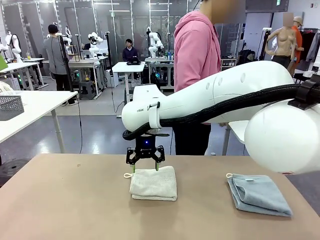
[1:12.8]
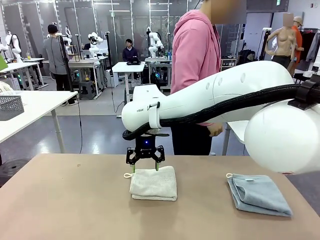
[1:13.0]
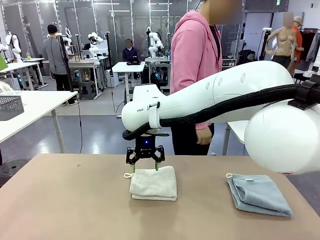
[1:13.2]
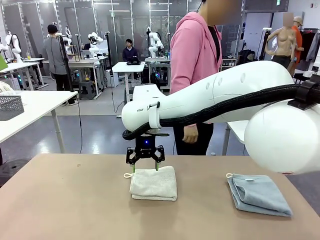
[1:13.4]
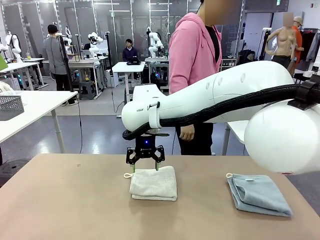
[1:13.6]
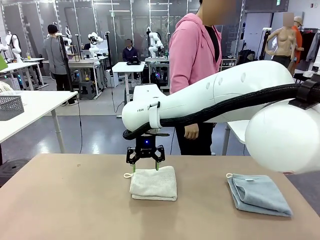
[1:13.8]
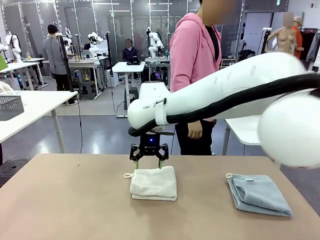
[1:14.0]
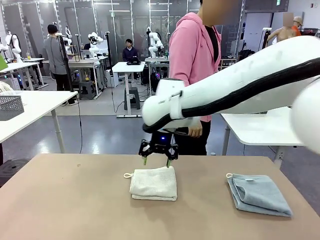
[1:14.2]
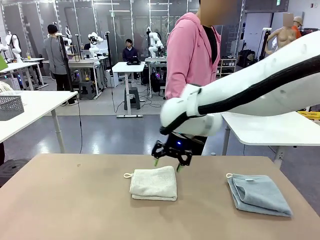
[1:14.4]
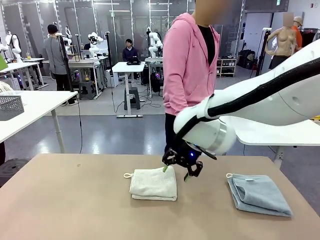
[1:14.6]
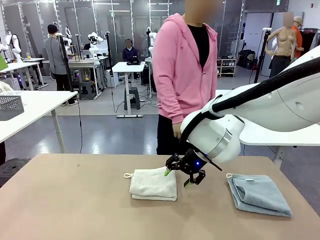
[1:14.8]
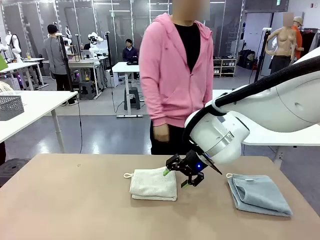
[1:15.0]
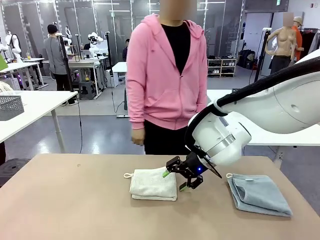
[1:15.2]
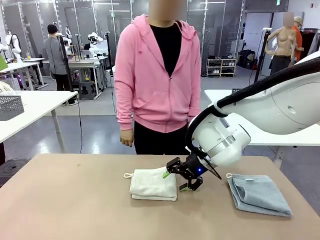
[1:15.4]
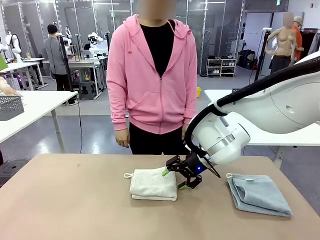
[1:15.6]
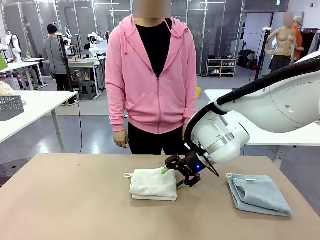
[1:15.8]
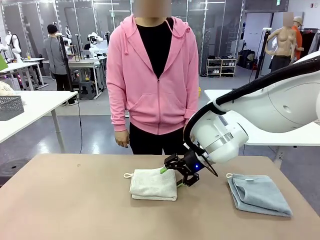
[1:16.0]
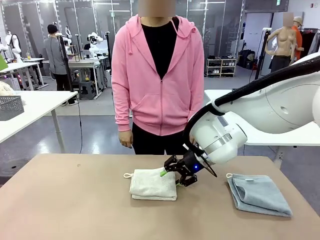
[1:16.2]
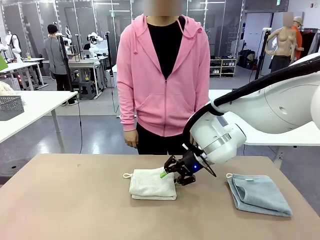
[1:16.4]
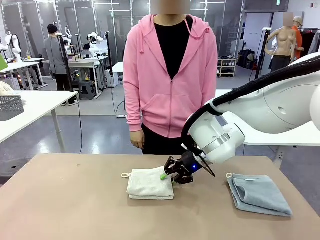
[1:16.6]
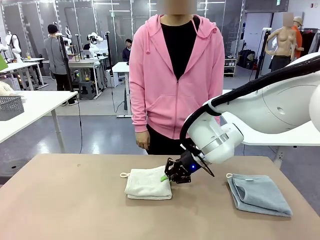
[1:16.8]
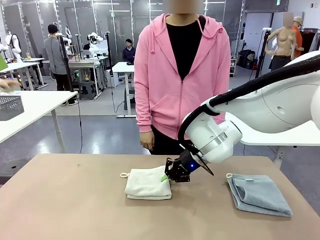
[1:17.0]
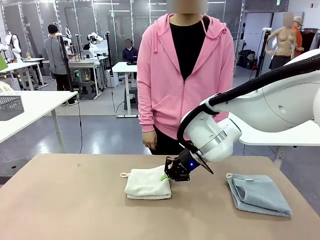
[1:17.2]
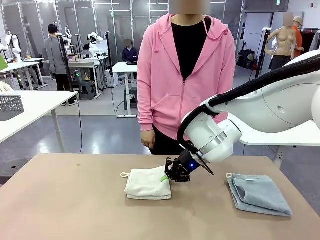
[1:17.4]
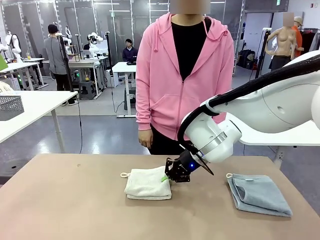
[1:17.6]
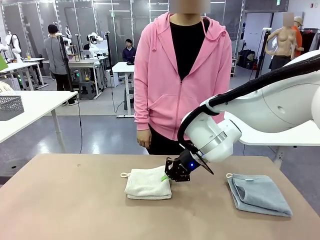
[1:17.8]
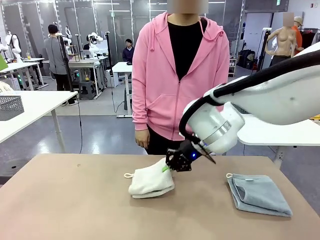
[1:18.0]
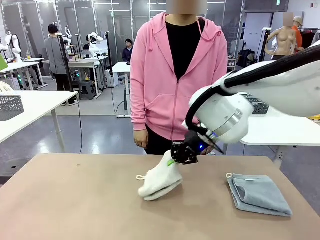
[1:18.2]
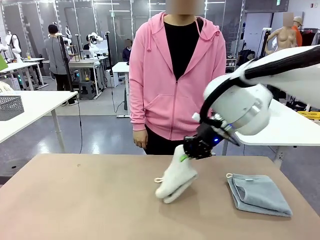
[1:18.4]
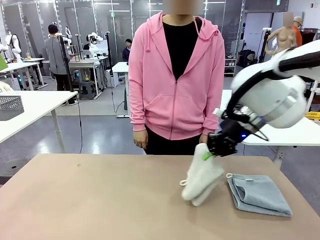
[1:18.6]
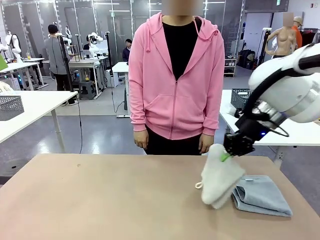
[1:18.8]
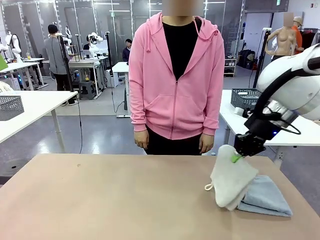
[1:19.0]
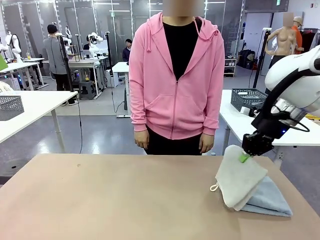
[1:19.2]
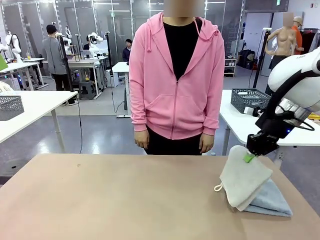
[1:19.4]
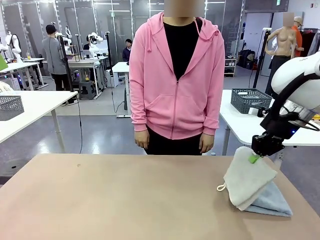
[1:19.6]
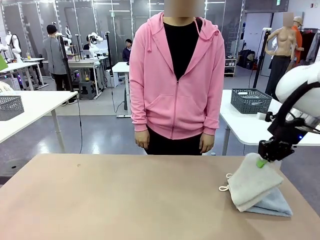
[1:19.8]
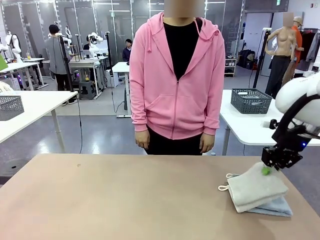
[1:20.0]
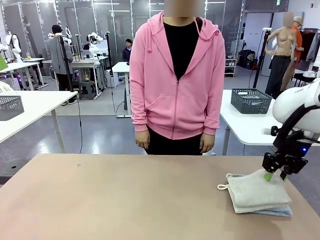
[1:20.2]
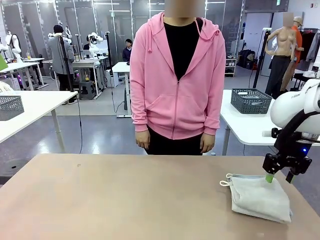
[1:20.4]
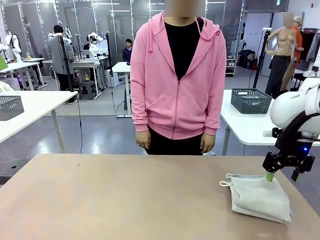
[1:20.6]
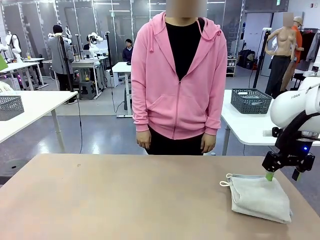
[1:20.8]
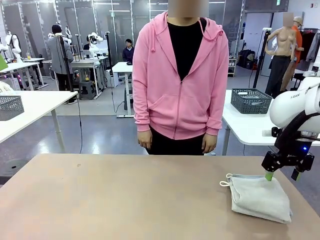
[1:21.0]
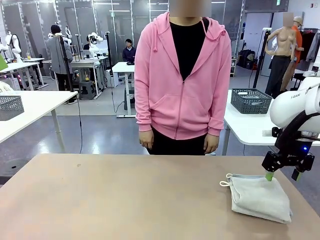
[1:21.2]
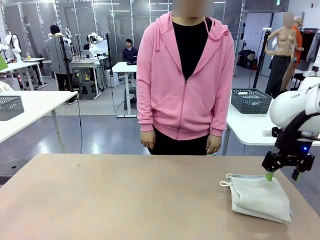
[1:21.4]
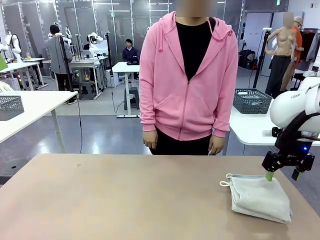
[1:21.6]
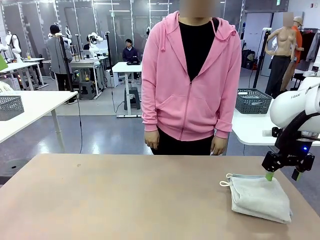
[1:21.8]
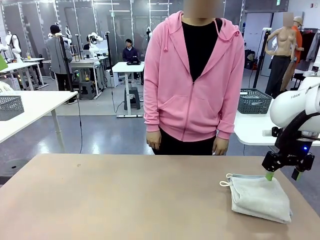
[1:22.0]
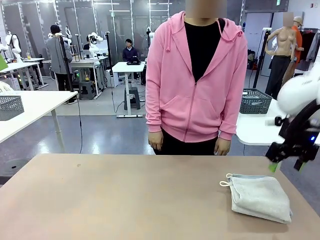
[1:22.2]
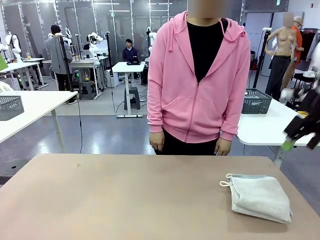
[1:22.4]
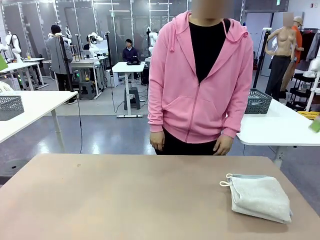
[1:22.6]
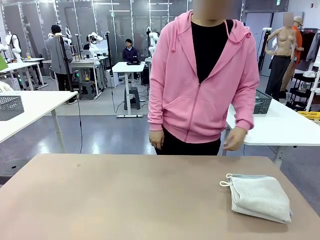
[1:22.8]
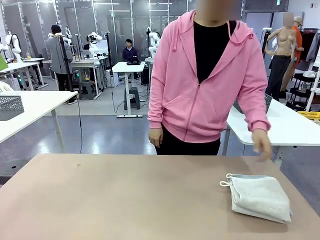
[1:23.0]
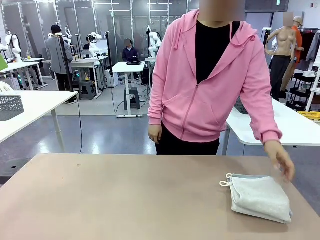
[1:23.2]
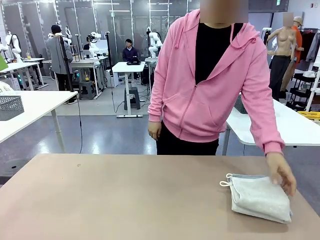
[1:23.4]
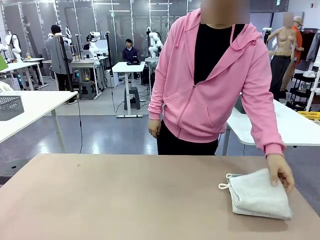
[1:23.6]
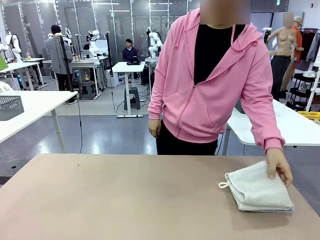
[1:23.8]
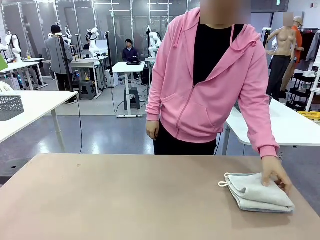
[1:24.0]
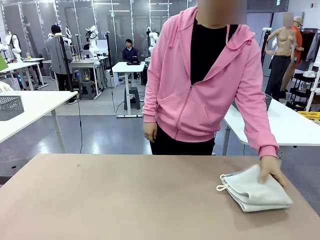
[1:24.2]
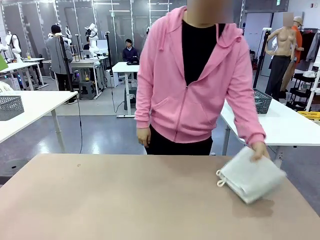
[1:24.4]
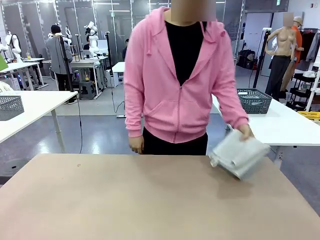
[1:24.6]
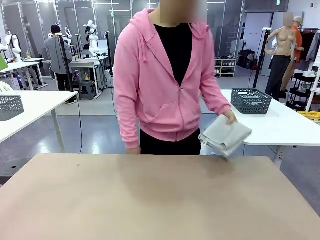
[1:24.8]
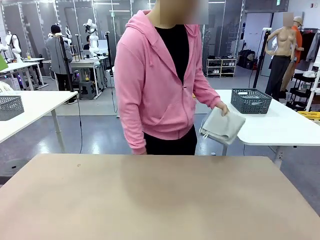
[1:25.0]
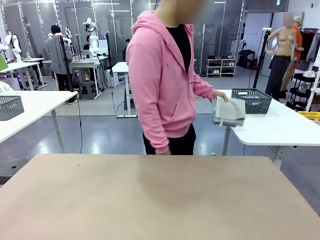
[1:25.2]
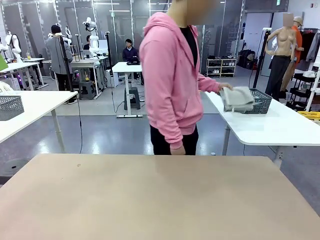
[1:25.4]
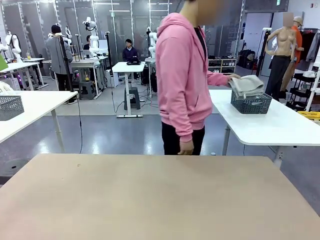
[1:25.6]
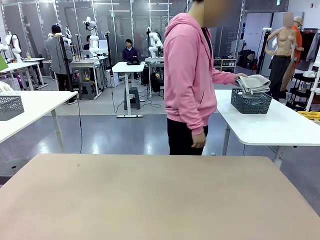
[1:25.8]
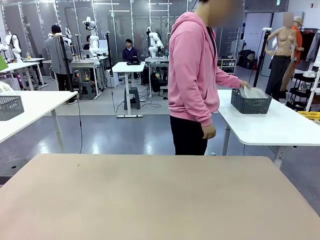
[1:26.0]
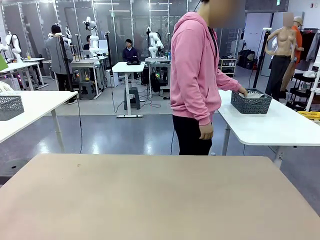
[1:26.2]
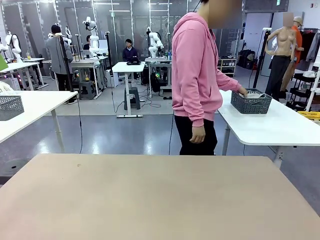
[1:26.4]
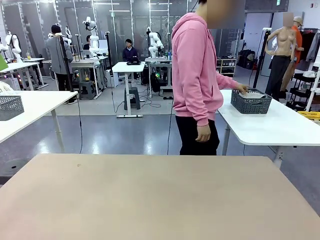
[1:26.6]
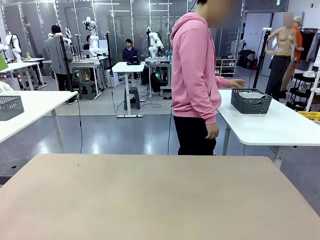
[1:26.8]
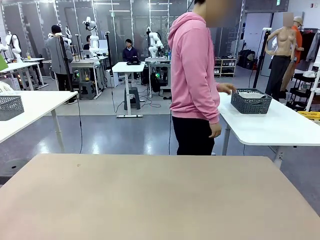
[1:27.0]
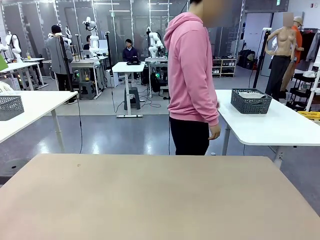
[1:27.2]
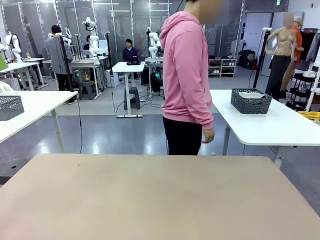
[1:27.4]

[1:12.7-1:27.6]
Task: Fold the towels and place them in the basket.
Robot: Stack the folded Towel with hook on the right side of the table.
Person: Pick up the stack of towels from the robot table and place it into the basket.
